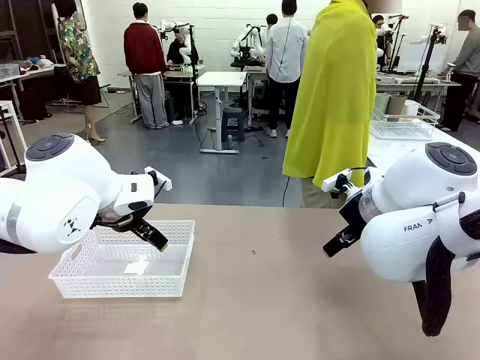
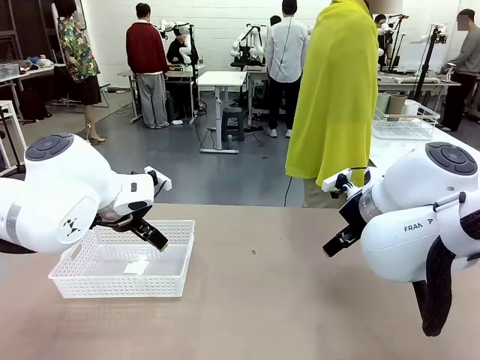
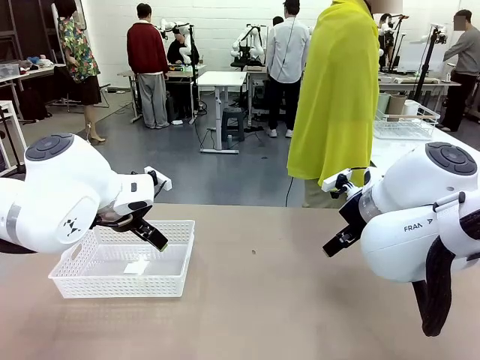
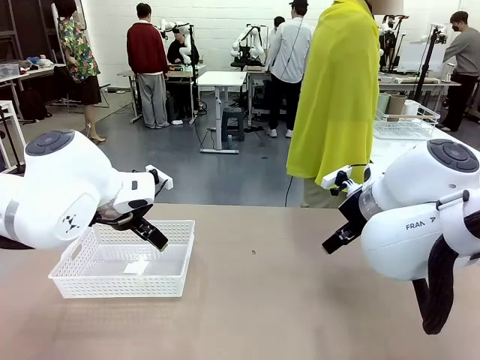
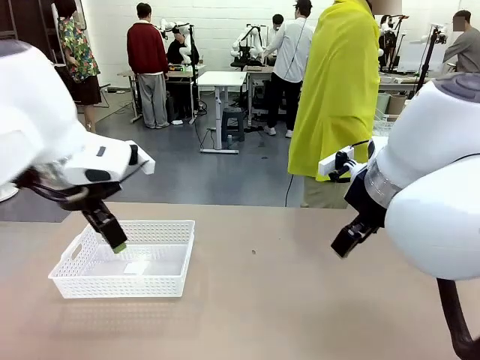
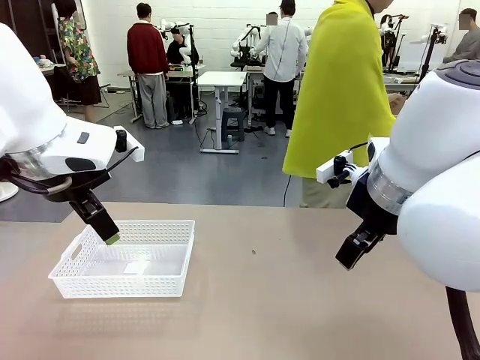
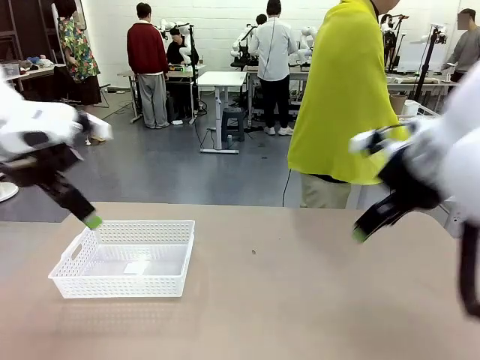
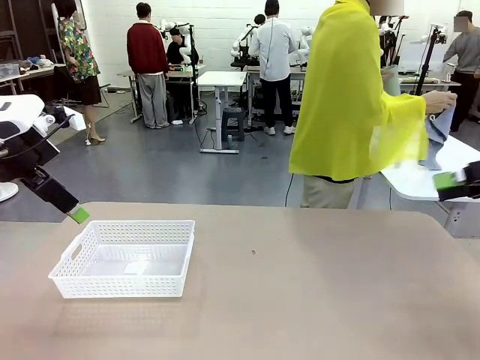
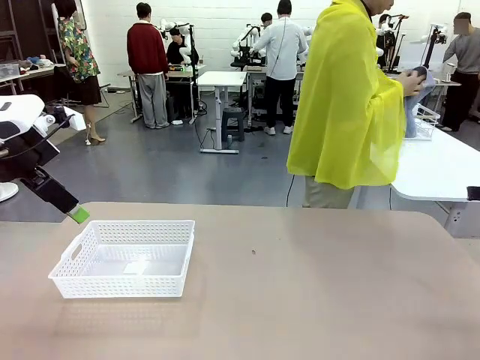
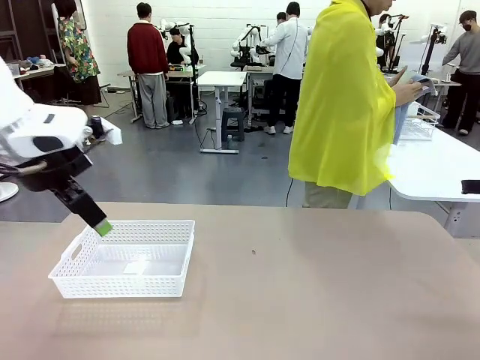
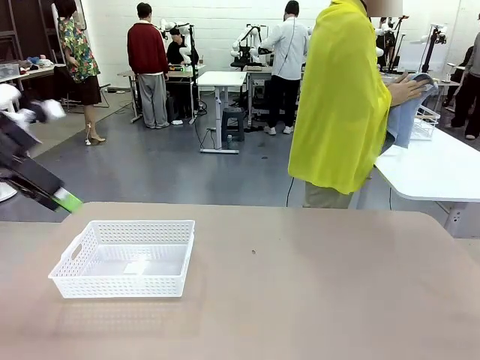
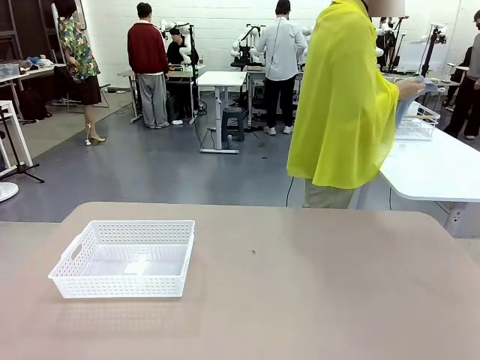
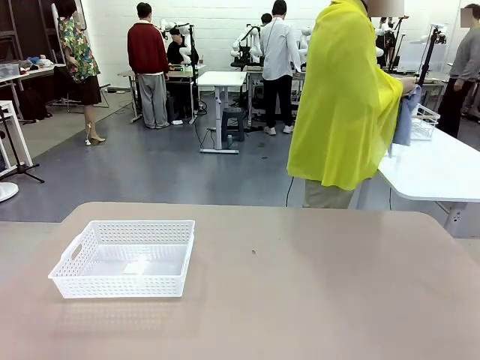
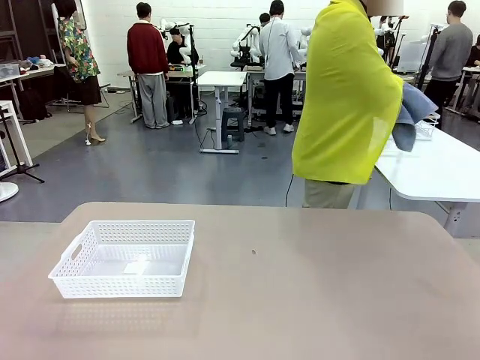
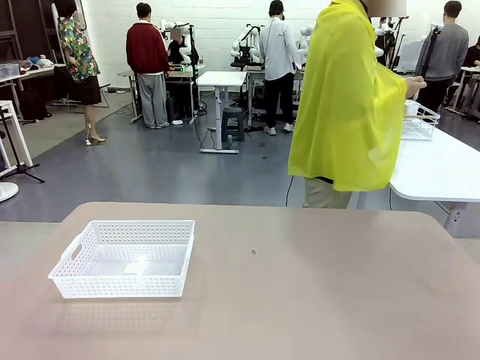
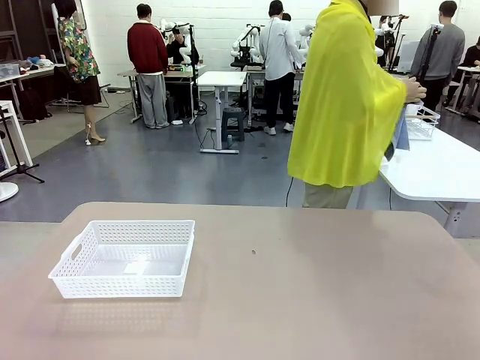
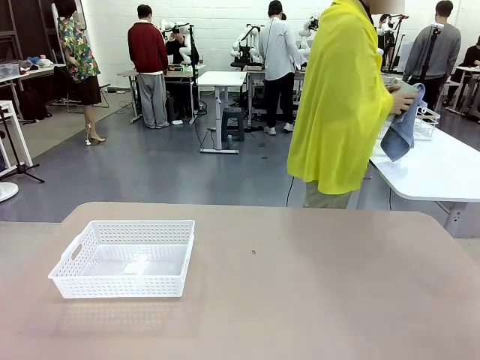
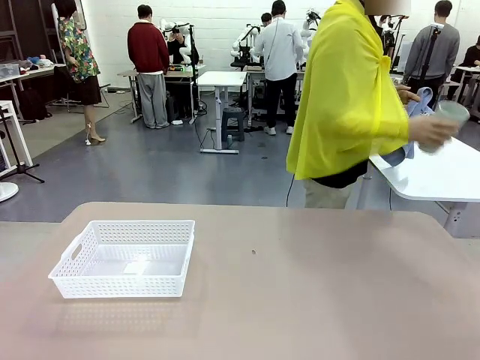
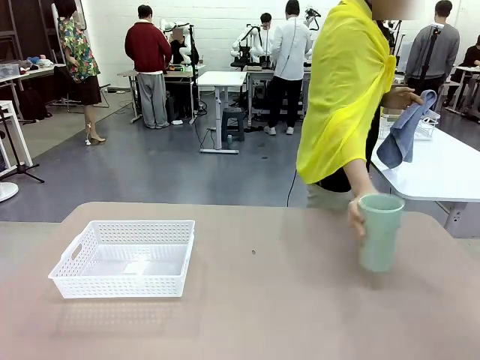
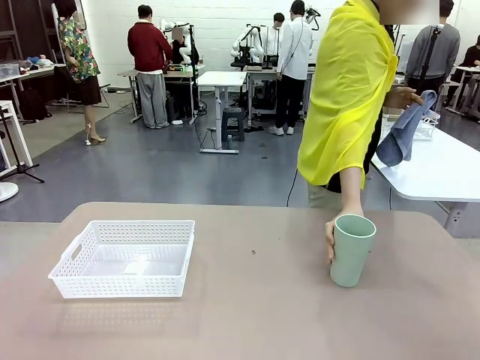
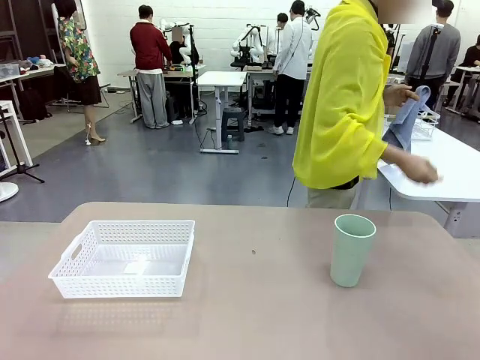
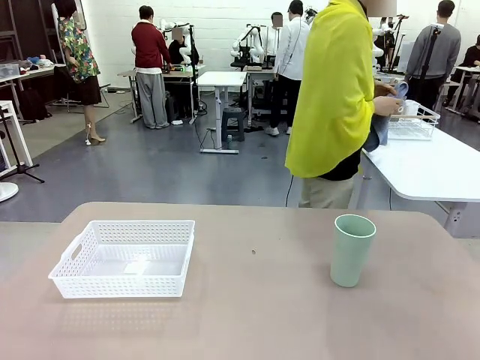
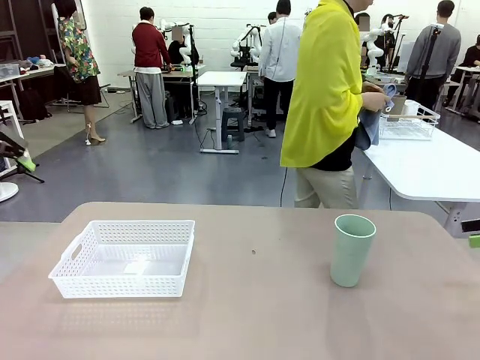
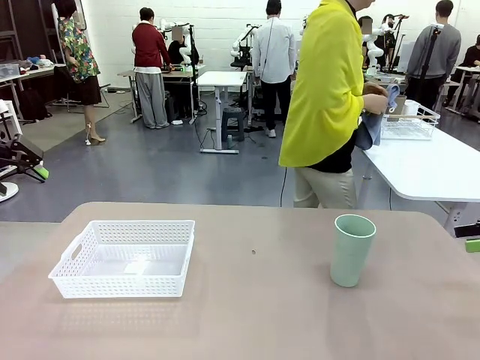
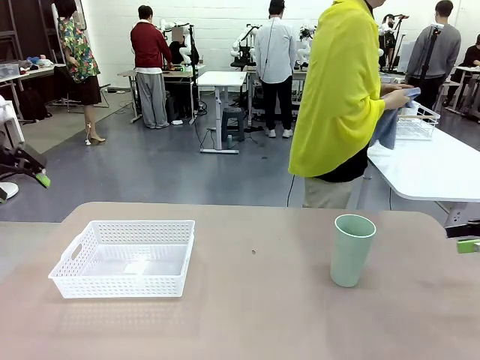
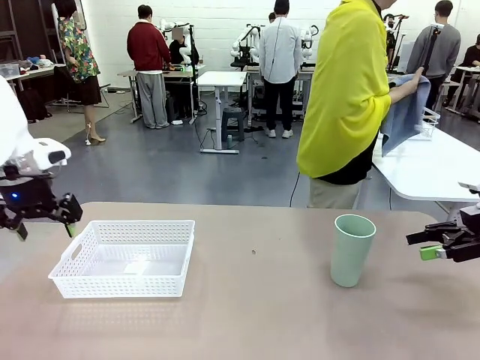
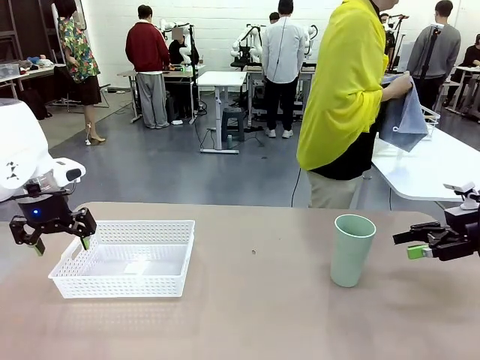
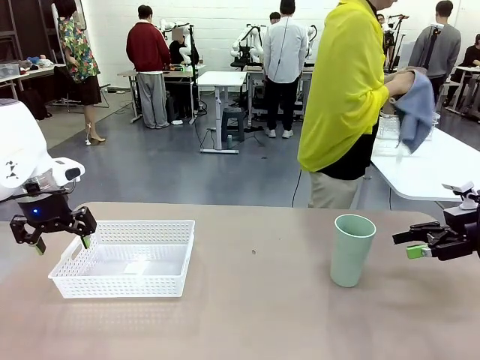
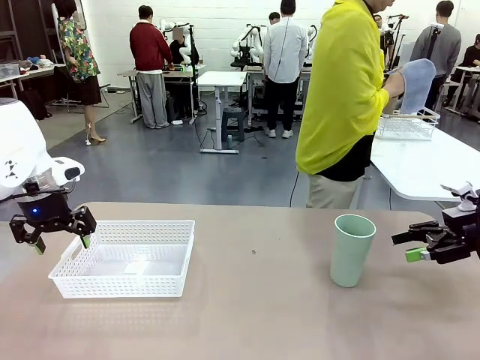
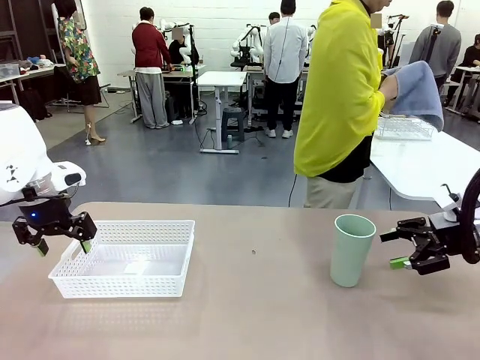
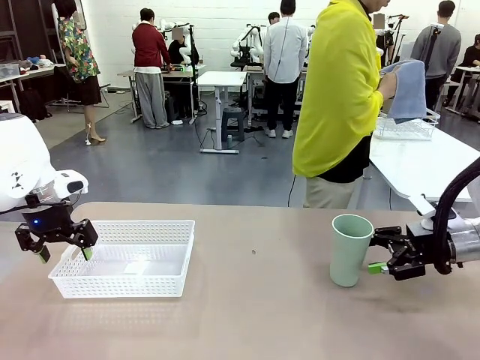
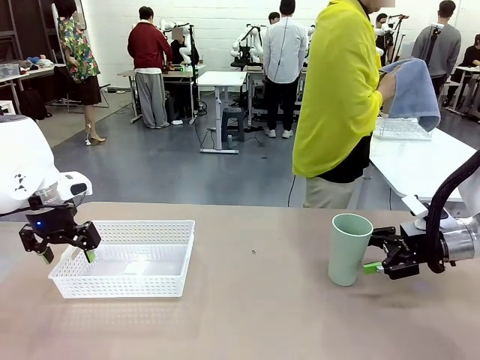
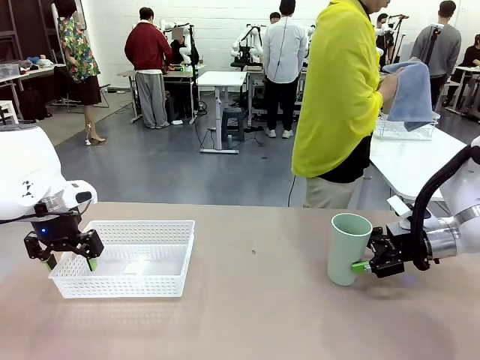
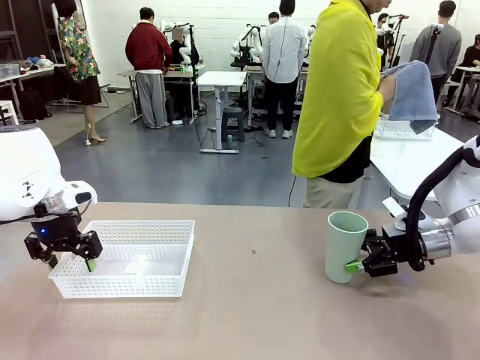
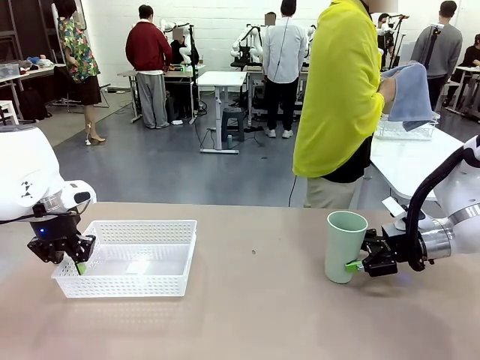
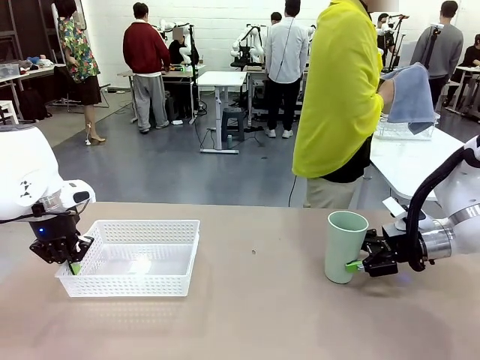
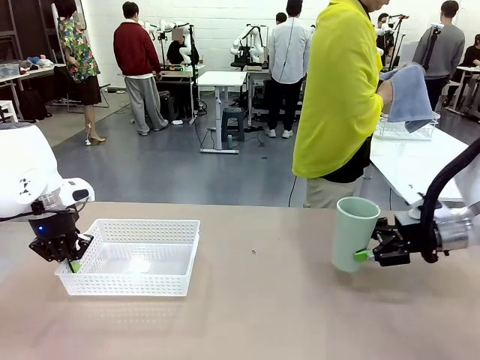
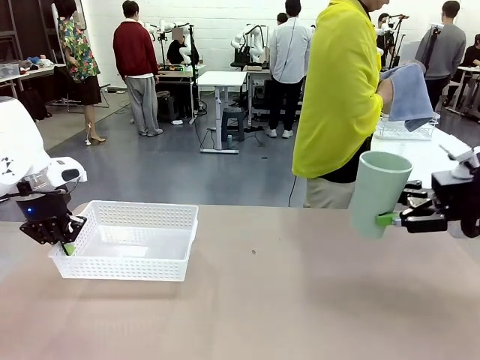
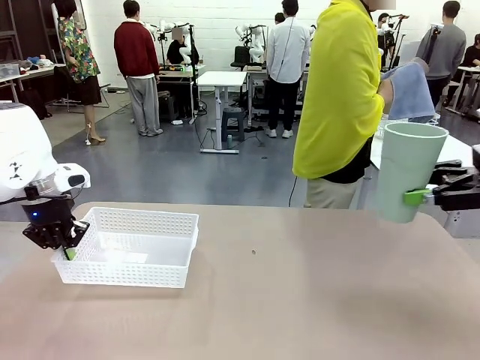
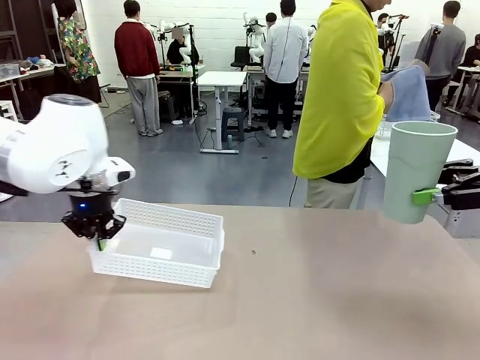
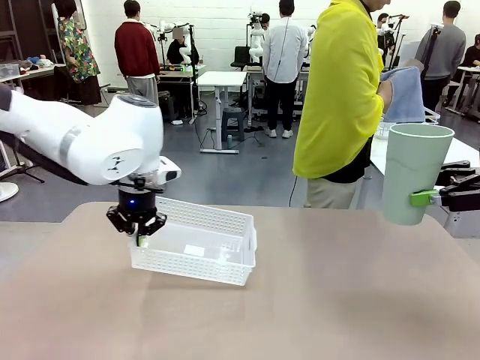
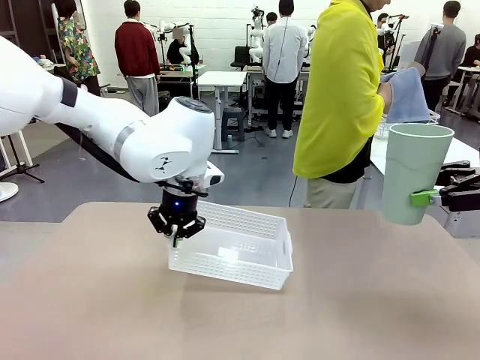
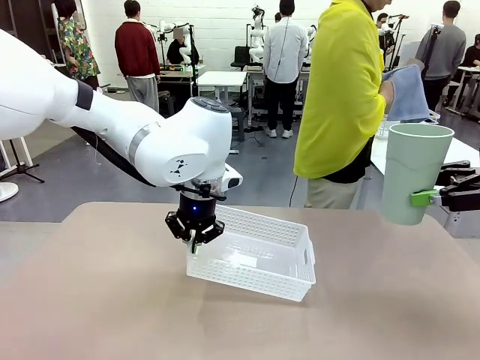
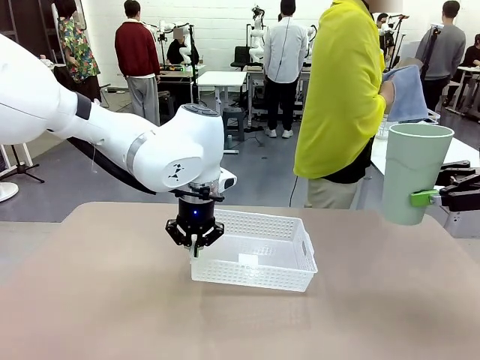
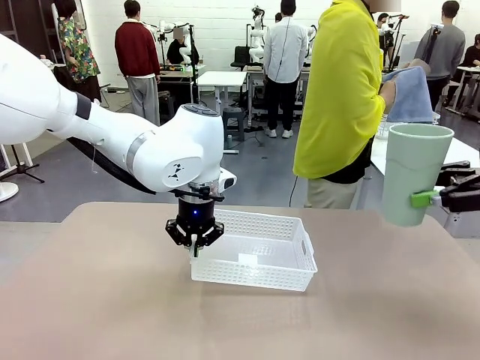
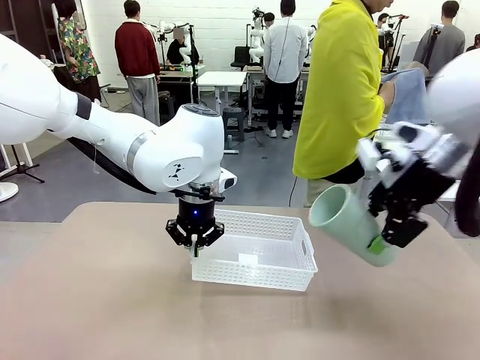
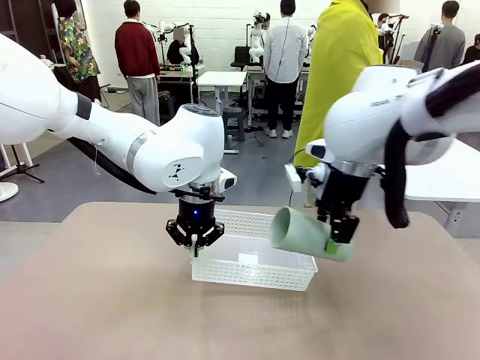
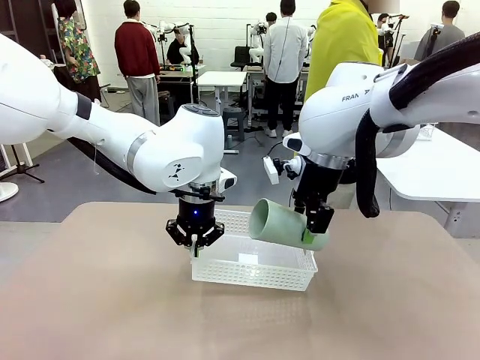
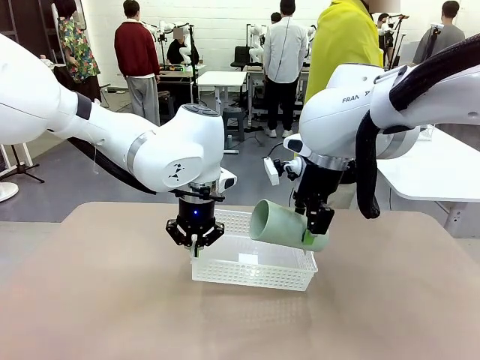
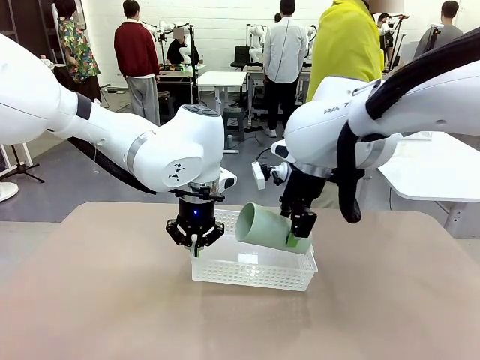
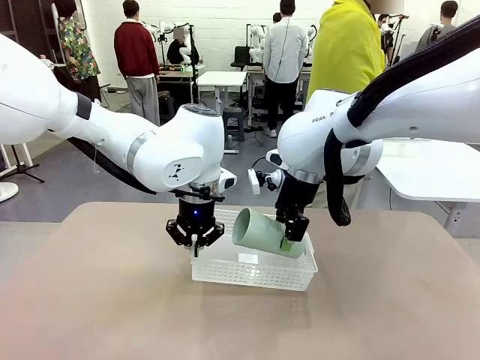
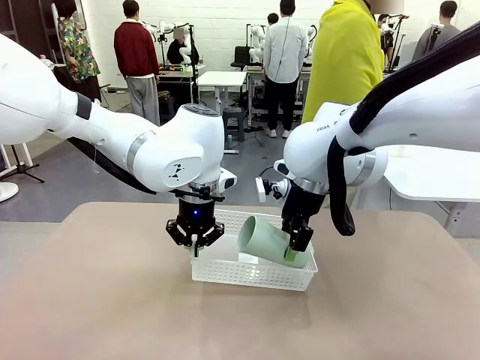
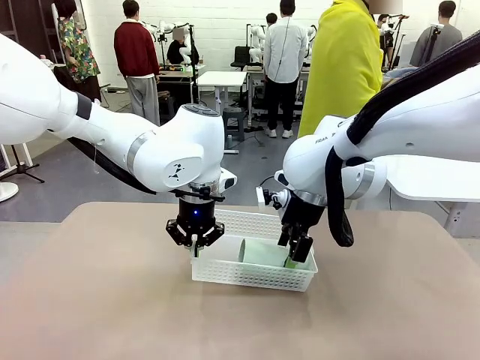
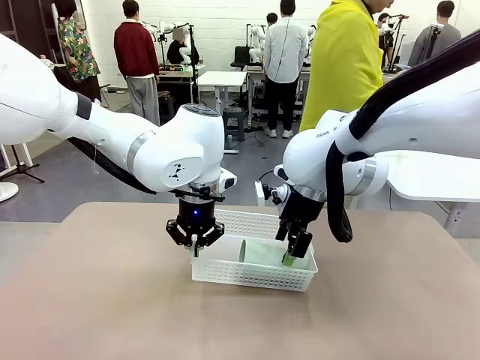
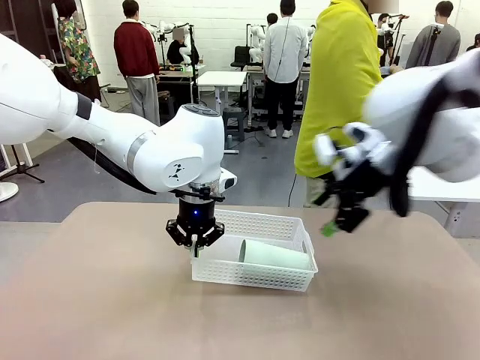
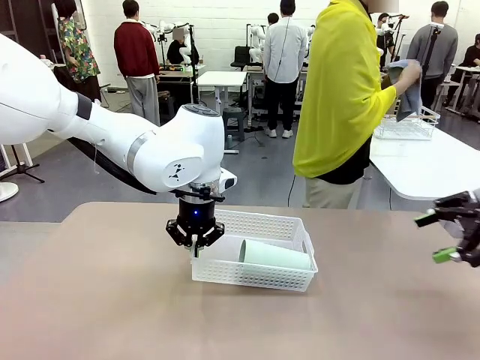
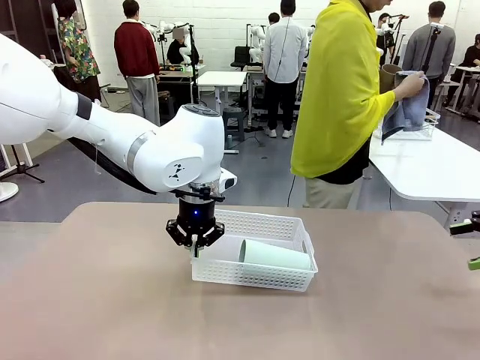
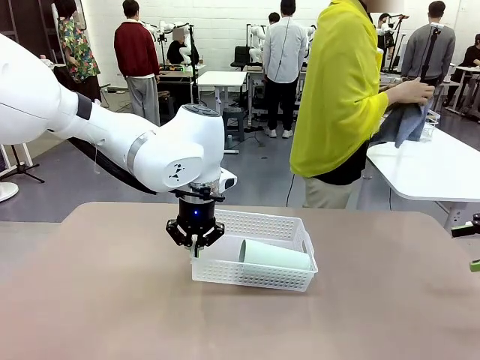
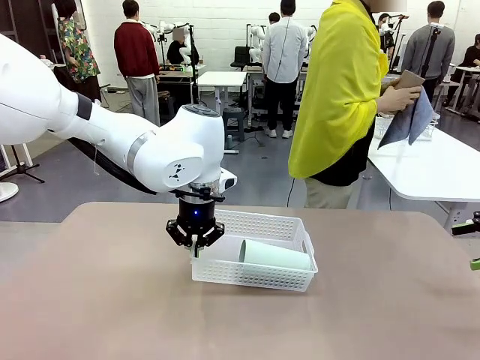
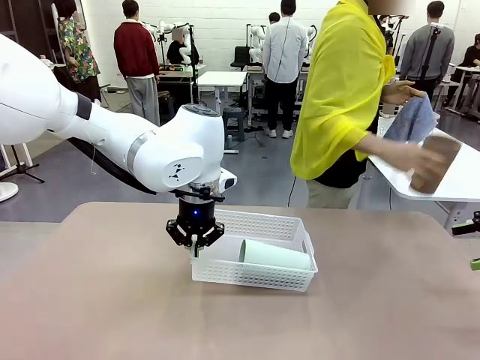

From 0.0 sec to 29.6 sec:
Task: Clean and organize the cups into the basket.
Robot: Pick up the Organizing basket and move it to the center of the table, then pick up the Reusable plastic cup from the right side of the table and place it inside the Organizing basket.
Person: Picks up a cup and a towel, cleans the cup with the towel, and places it on the left side of the robot table. Picks up a cup from the drying rack, cleans the cup with the towel, and places it on the left side of the robot table.
